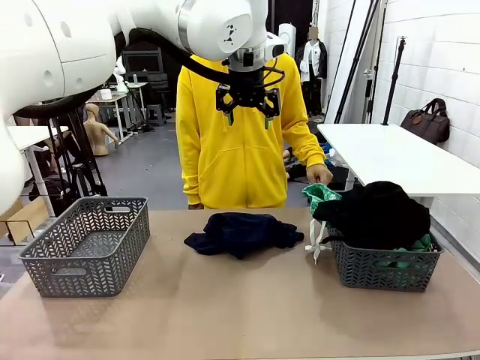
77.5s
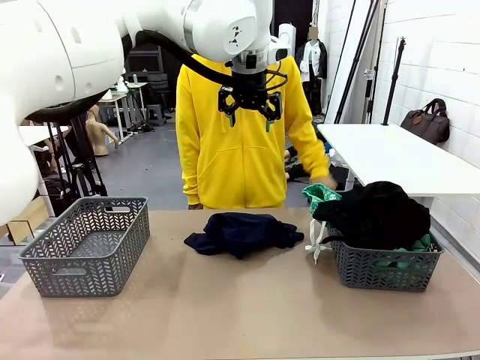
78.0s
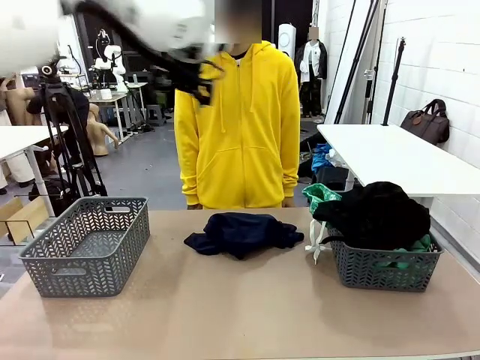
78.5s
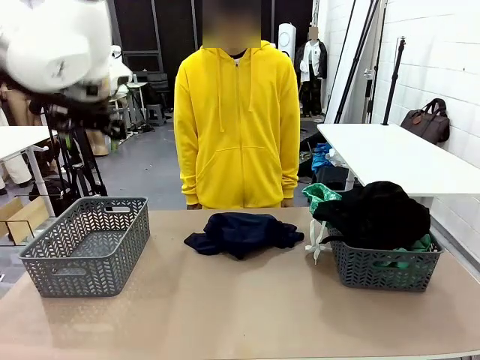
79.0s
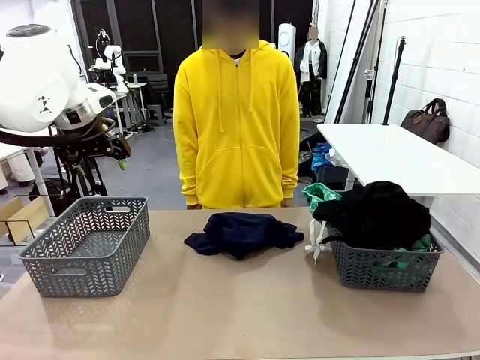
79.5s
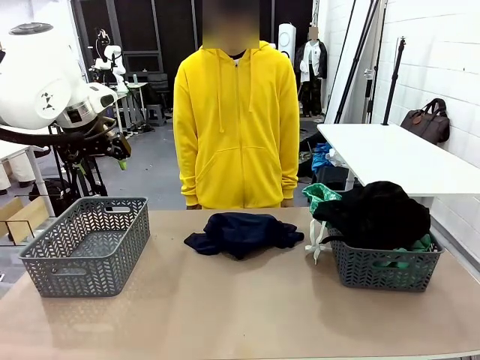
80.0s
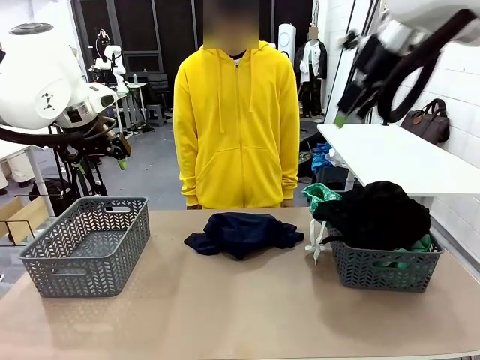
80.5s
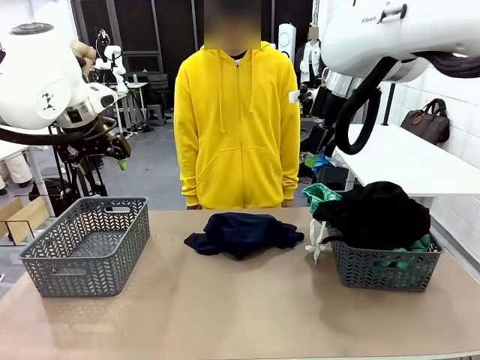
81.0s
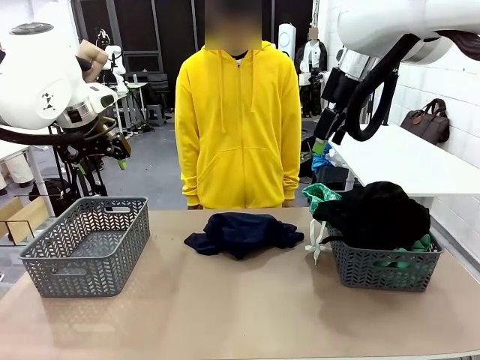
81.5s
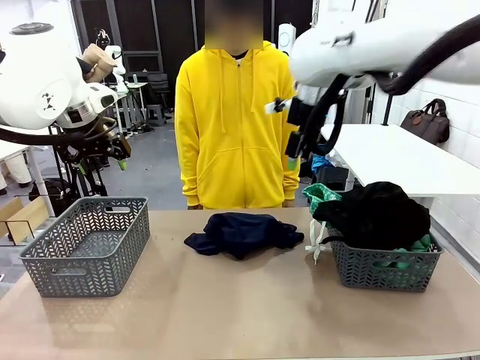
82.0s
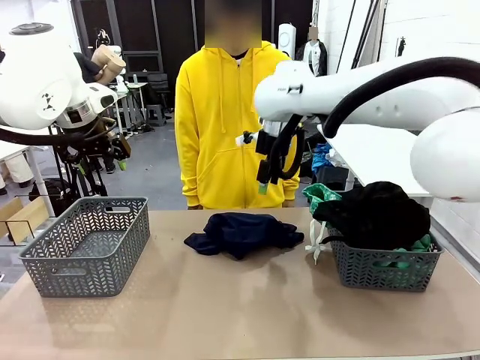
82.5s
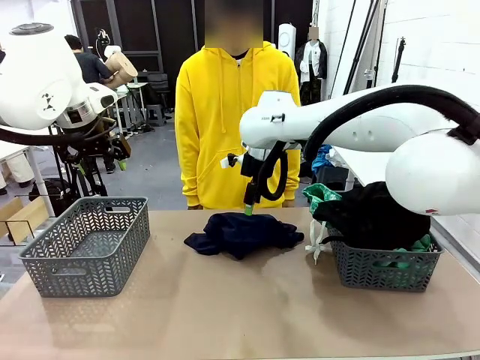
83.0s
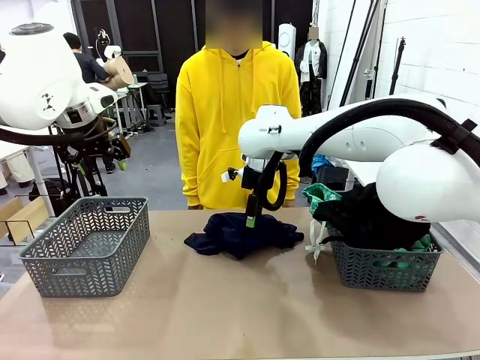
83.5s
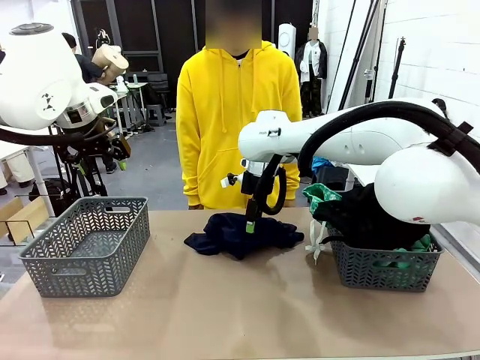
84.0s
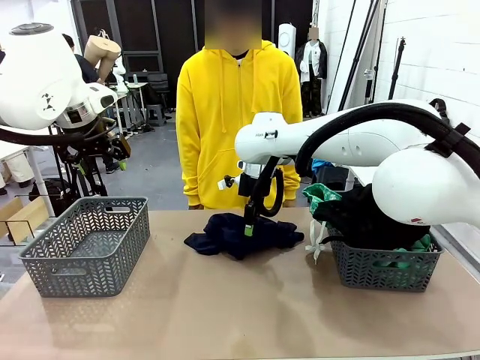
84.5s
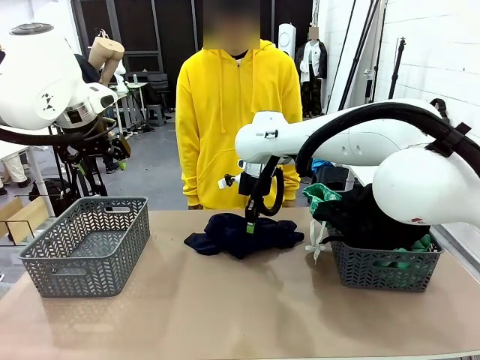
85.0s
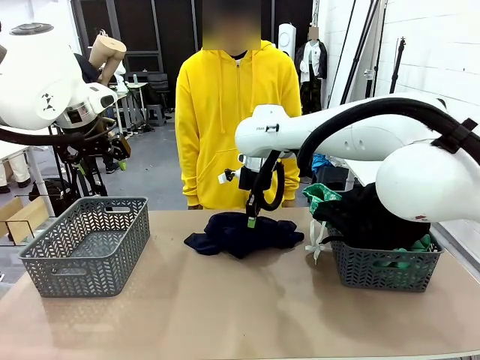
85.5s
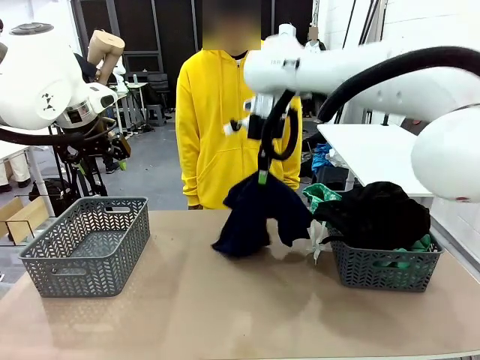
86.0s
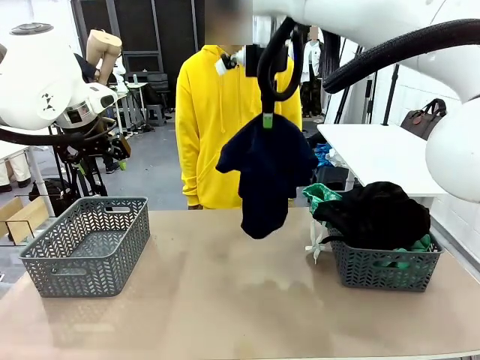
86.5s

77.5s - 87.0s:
Task: Sort the tops and bottoms.
Robot: Lift clothes from the center of the table with your right hand.

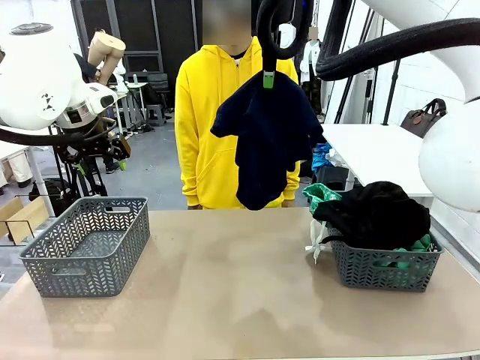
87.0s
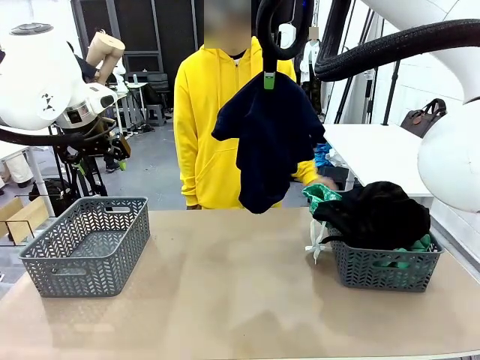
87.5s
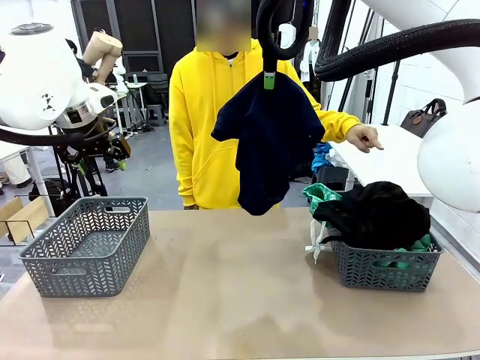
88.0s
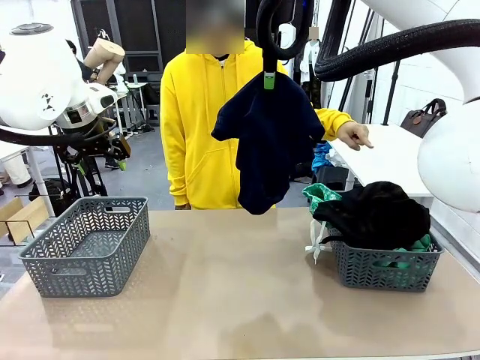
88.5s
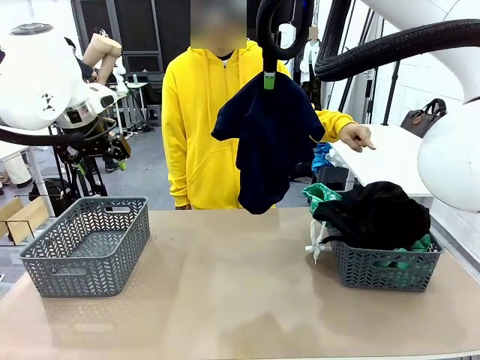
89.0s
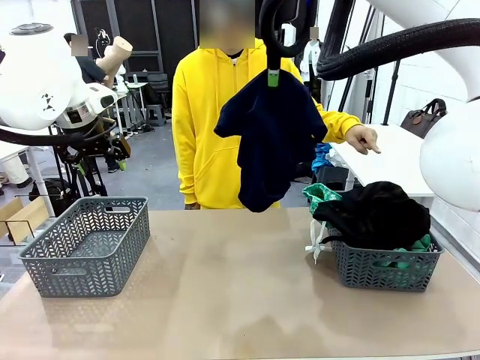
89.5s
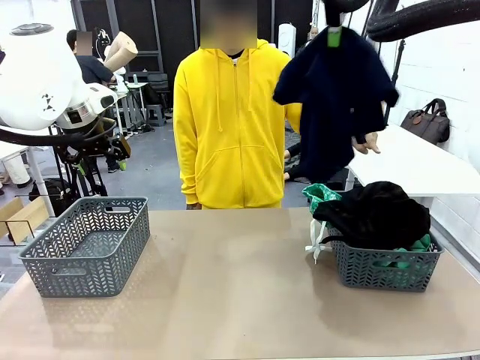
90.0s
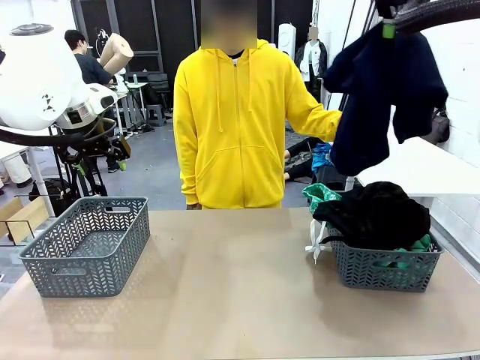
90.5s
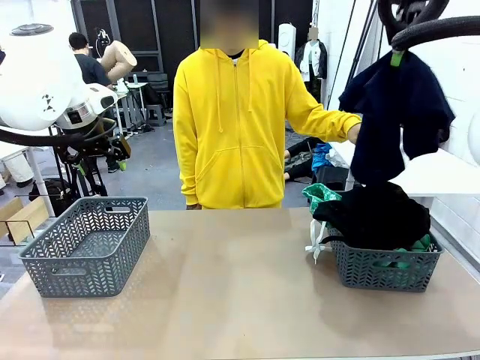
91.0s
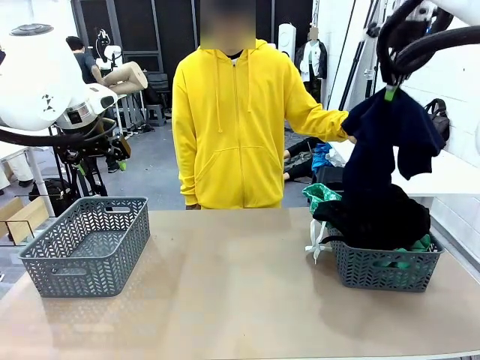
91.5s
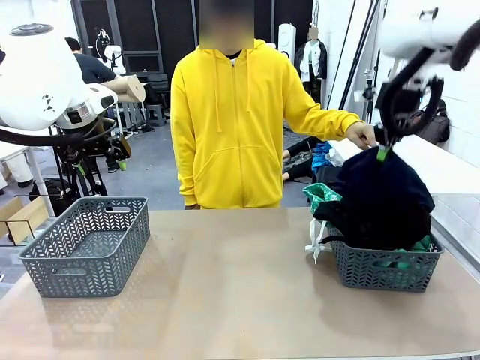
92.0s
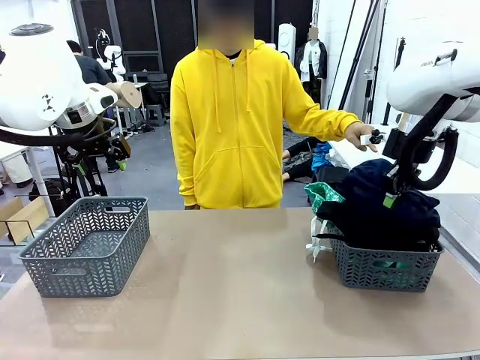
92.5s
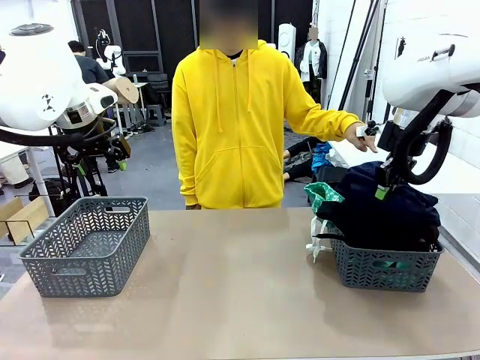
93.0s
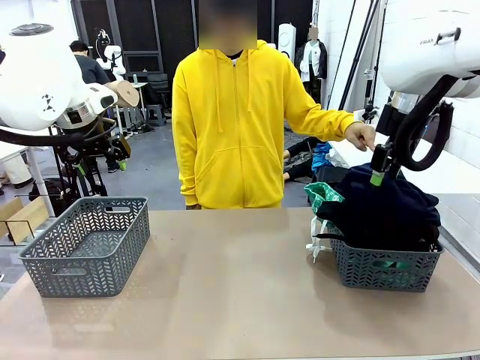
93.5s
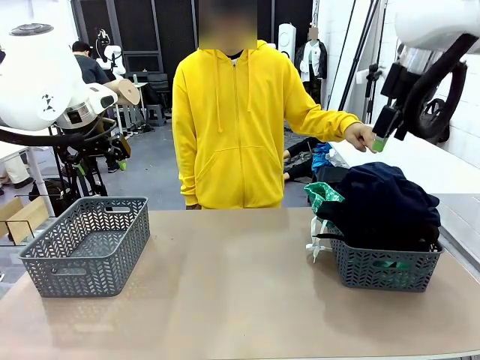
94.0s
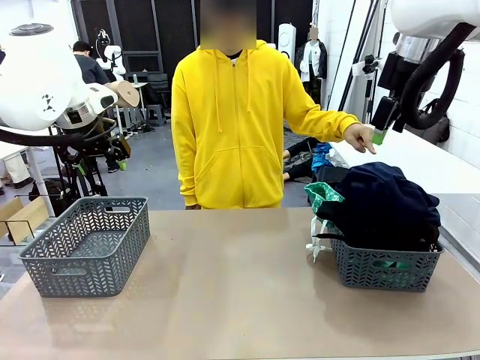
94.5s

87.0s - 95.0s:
Robot: Sort the clothes according to human instructions.

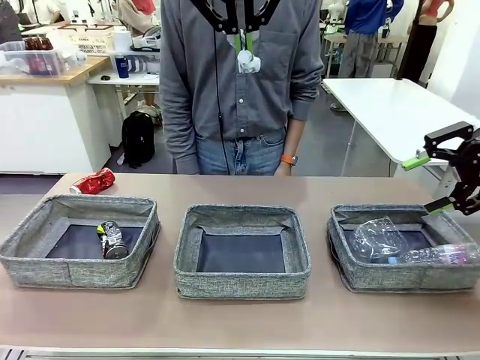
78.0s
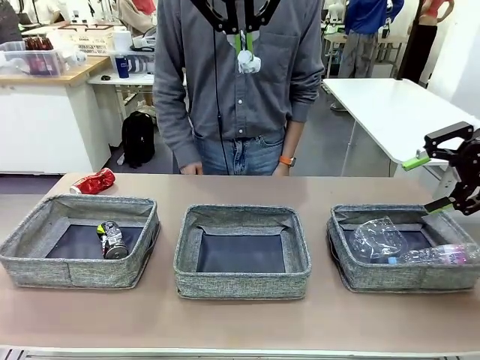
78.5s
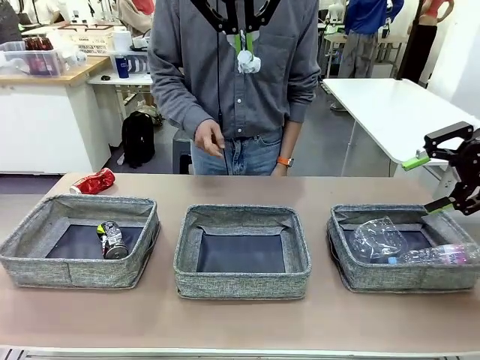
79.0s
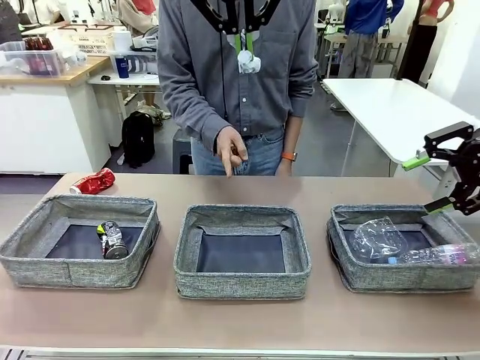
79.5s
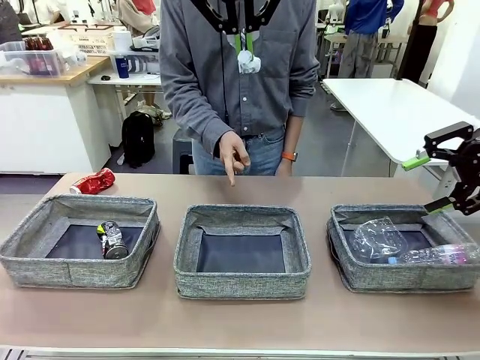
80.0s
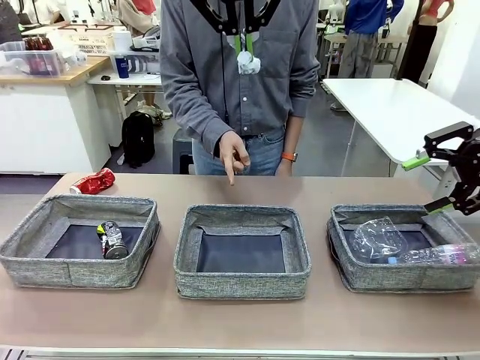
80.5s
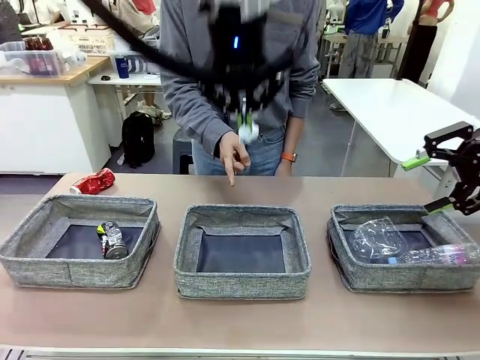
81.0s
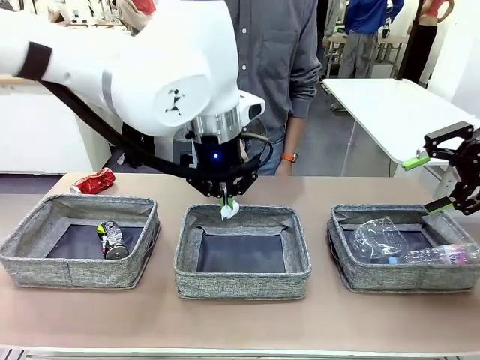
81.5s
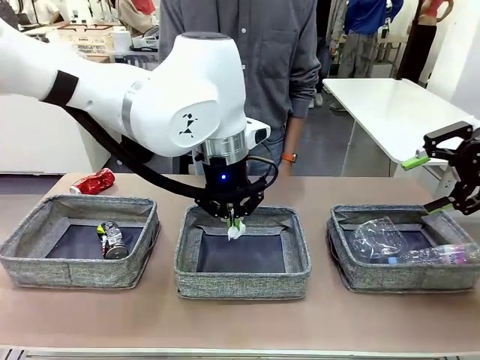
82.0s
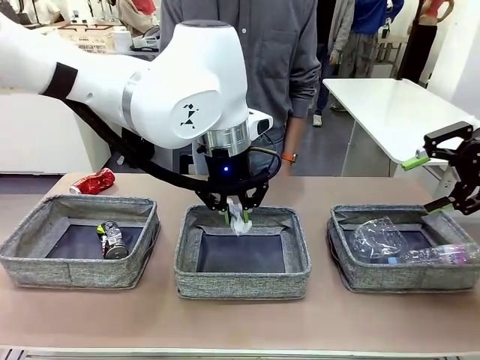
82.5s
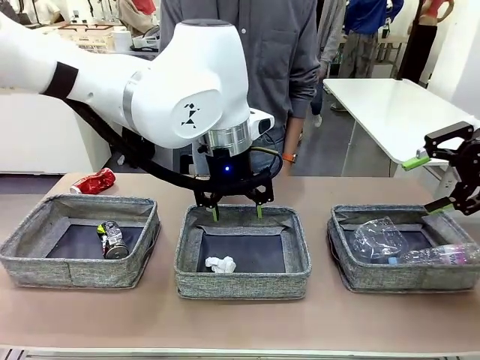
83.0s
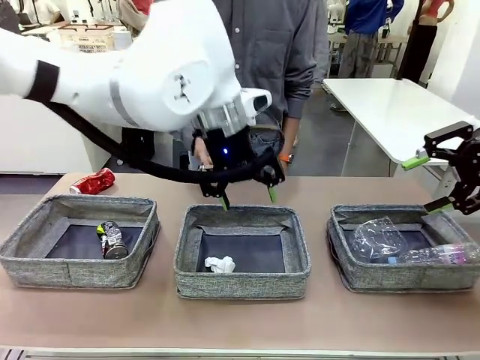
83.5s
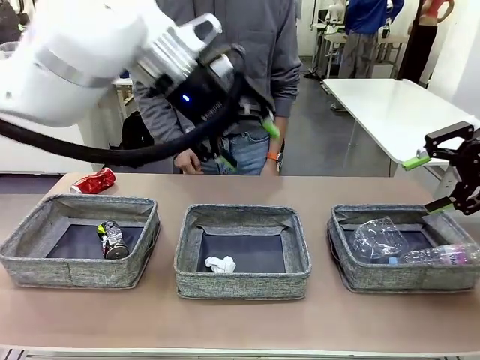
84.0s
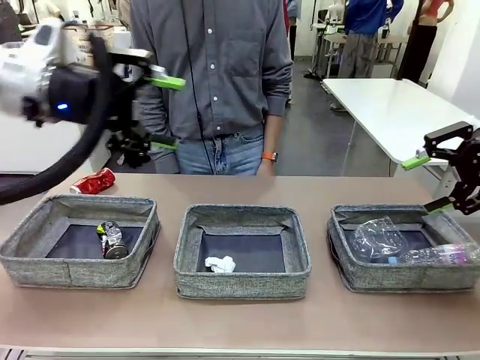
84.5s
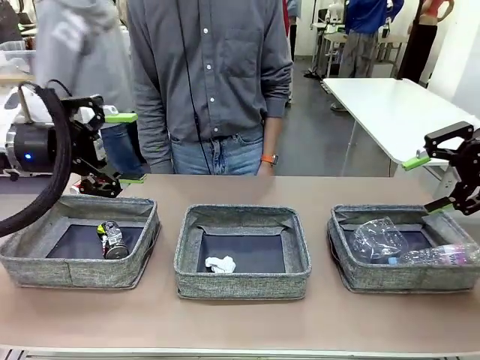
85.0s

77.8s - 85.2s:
Task: Sort the waste into the appropriate baskets.
Robot: Place the picked waste into the Fabric basket indicated by the person.
Person: Instructs the robot to place the picked-up trash into the appropriate organizing basket.
